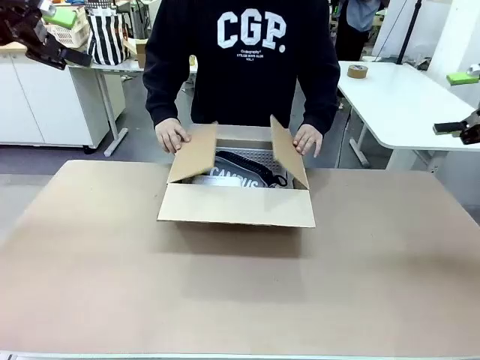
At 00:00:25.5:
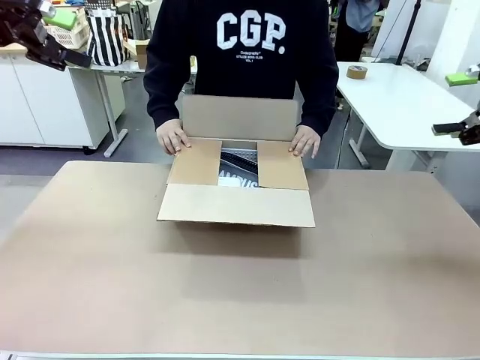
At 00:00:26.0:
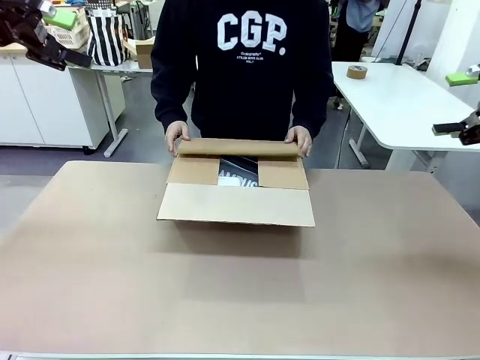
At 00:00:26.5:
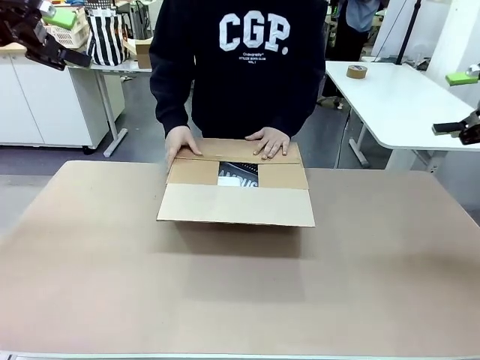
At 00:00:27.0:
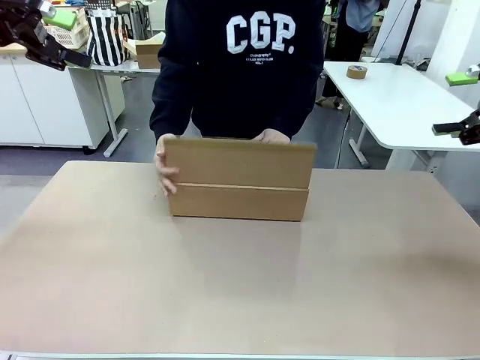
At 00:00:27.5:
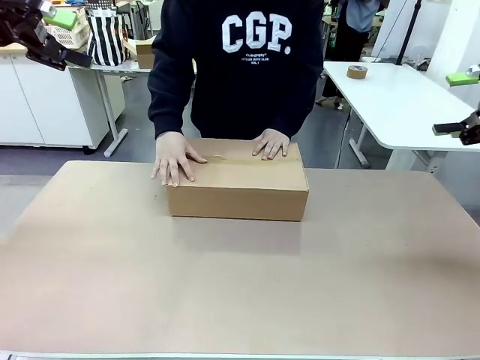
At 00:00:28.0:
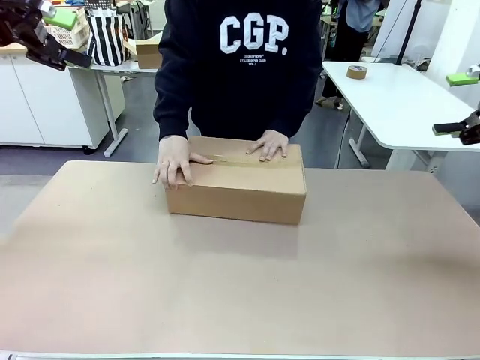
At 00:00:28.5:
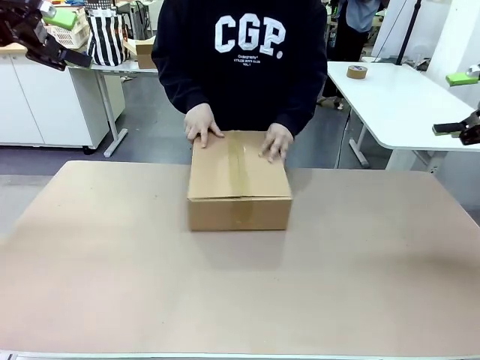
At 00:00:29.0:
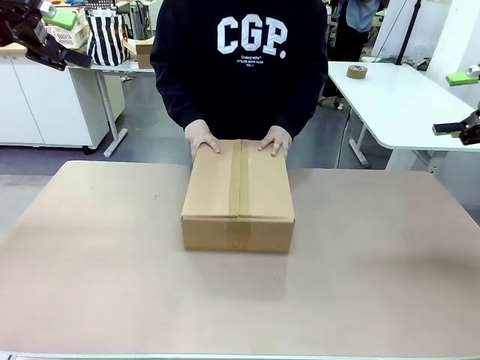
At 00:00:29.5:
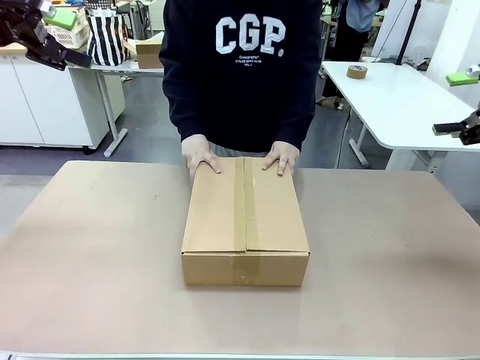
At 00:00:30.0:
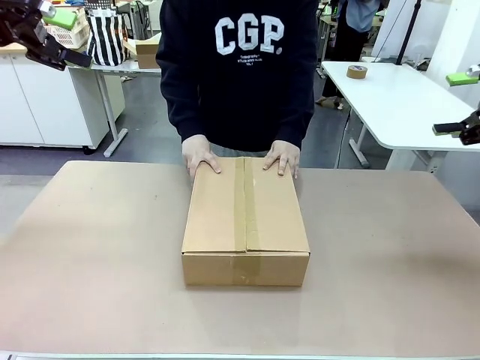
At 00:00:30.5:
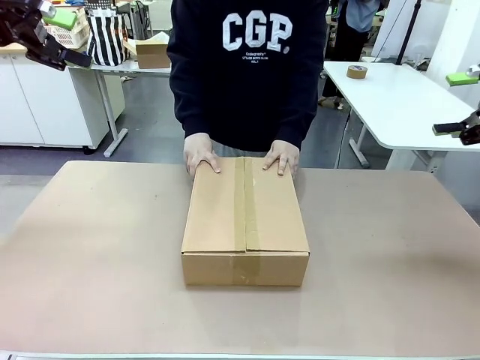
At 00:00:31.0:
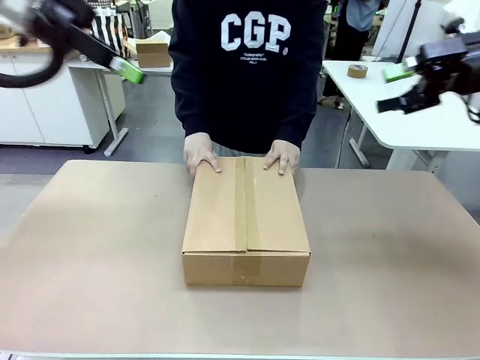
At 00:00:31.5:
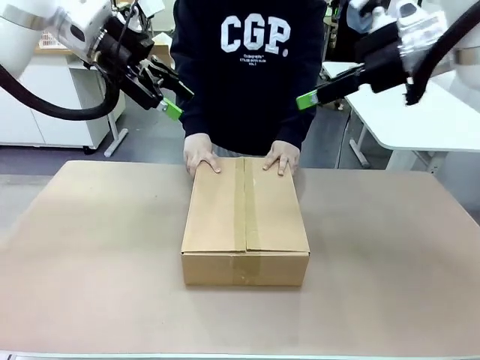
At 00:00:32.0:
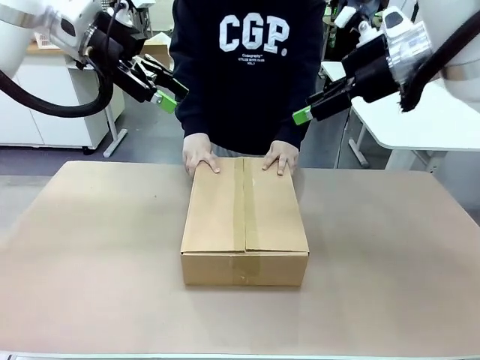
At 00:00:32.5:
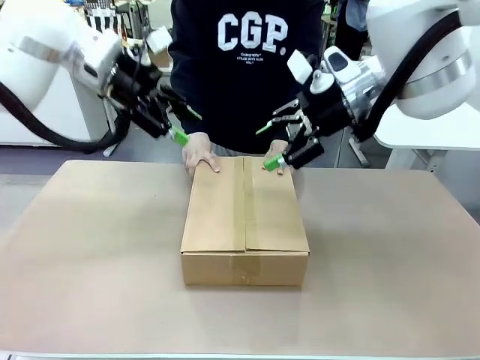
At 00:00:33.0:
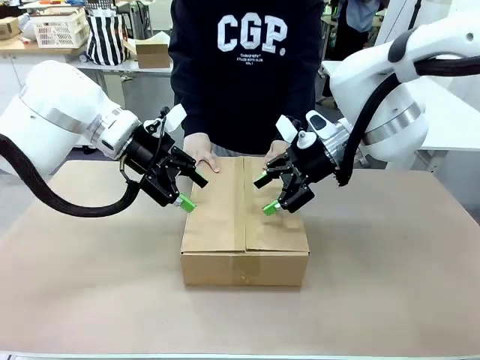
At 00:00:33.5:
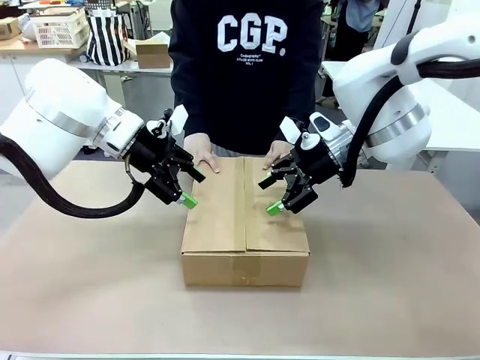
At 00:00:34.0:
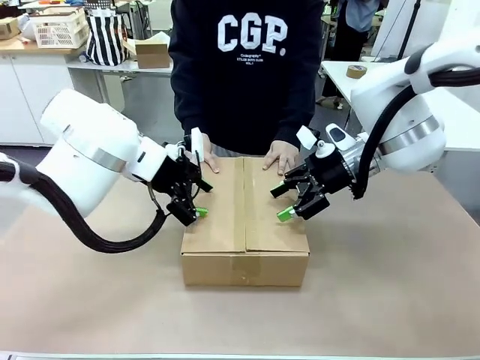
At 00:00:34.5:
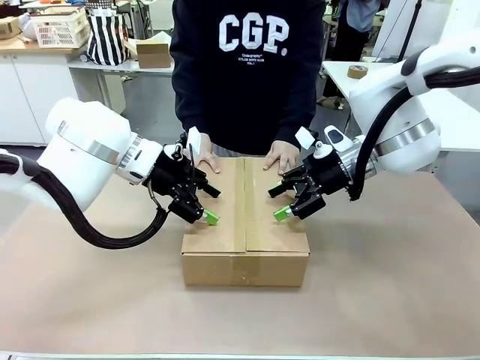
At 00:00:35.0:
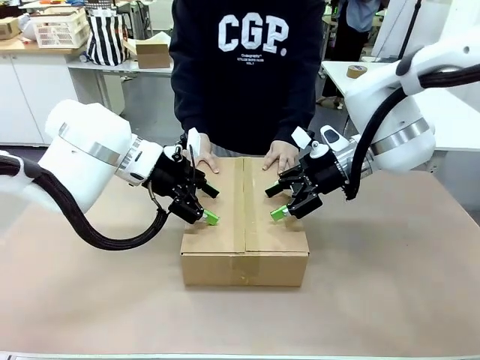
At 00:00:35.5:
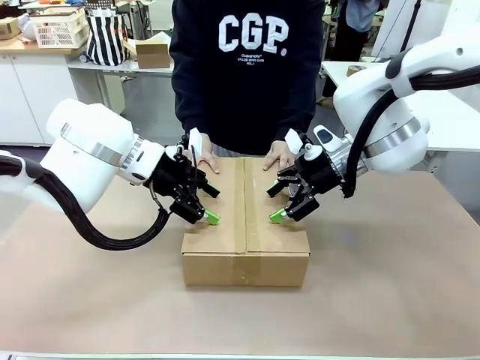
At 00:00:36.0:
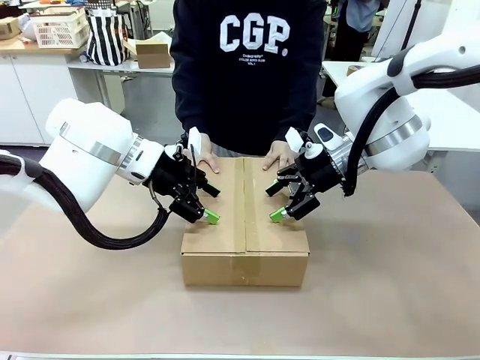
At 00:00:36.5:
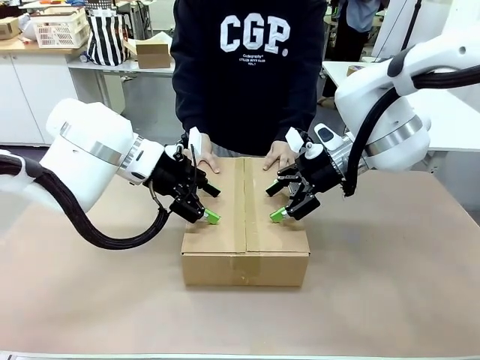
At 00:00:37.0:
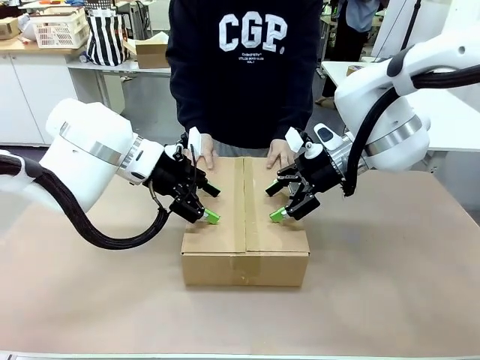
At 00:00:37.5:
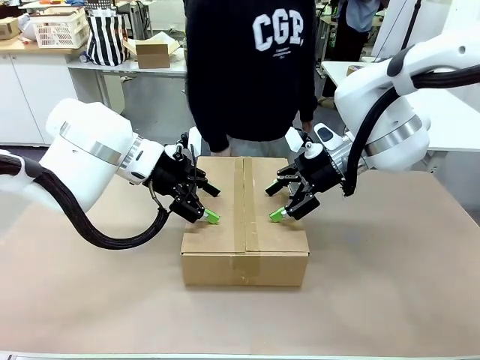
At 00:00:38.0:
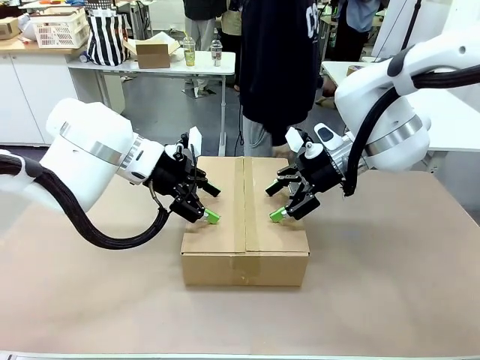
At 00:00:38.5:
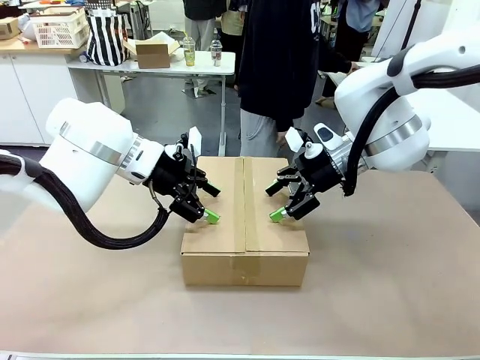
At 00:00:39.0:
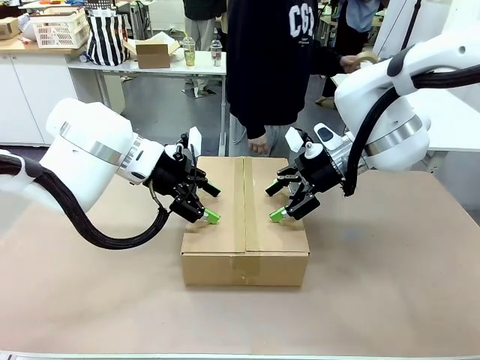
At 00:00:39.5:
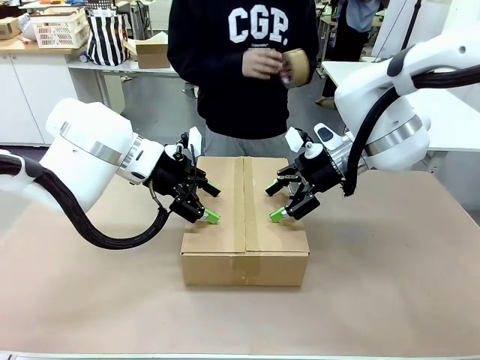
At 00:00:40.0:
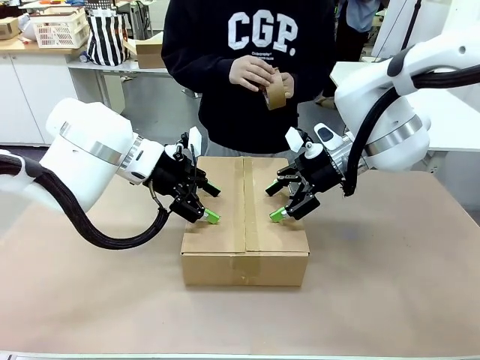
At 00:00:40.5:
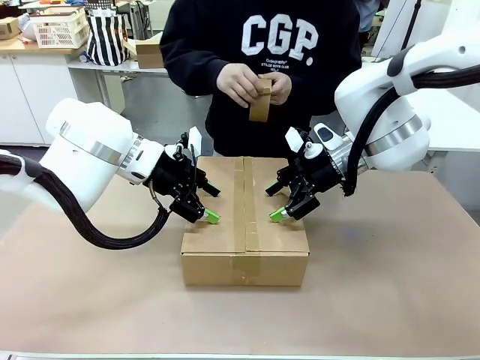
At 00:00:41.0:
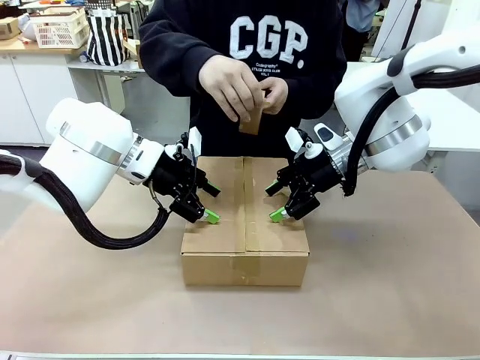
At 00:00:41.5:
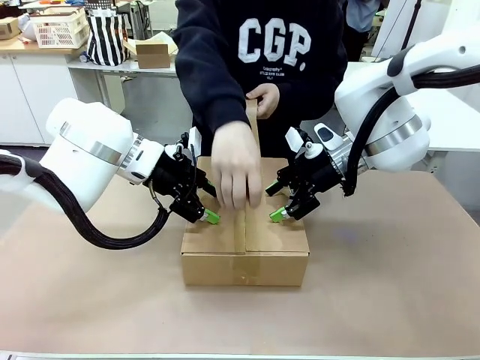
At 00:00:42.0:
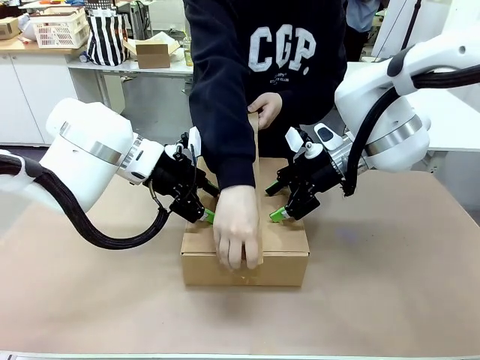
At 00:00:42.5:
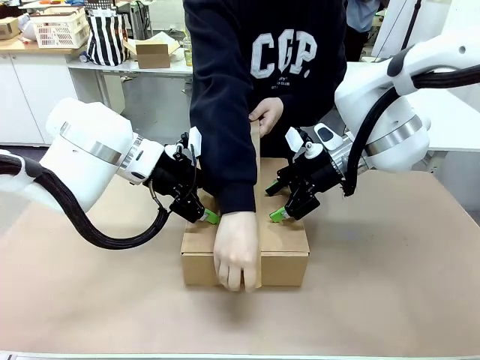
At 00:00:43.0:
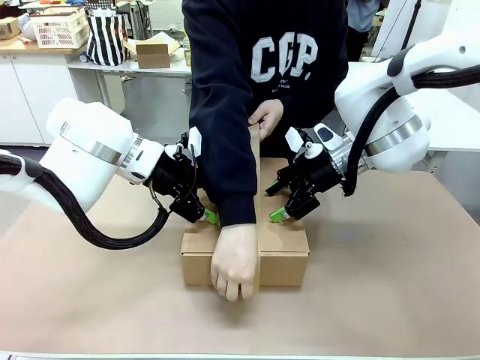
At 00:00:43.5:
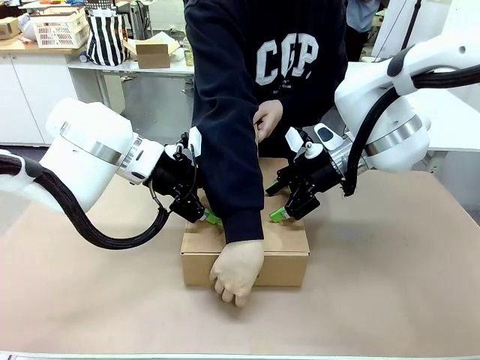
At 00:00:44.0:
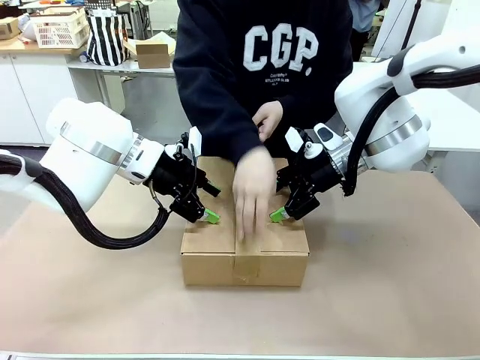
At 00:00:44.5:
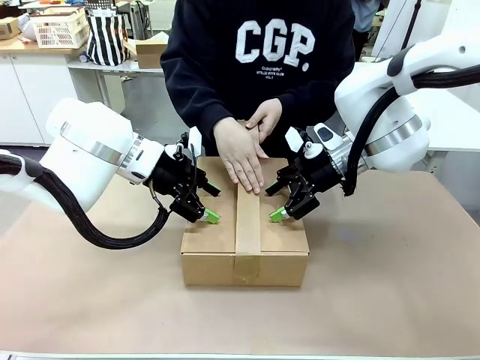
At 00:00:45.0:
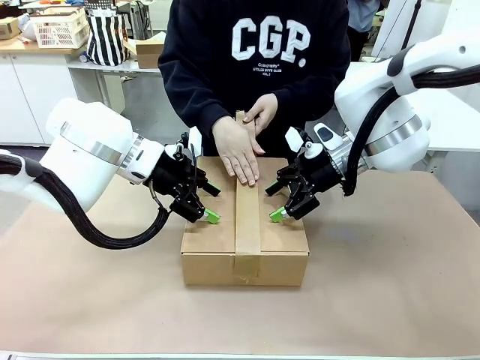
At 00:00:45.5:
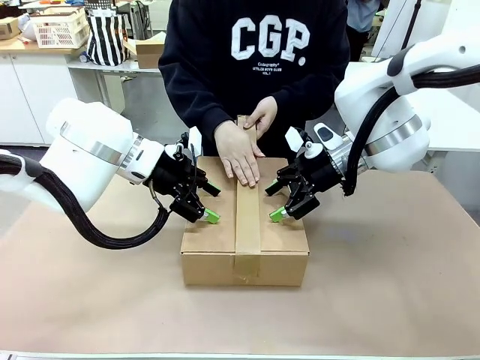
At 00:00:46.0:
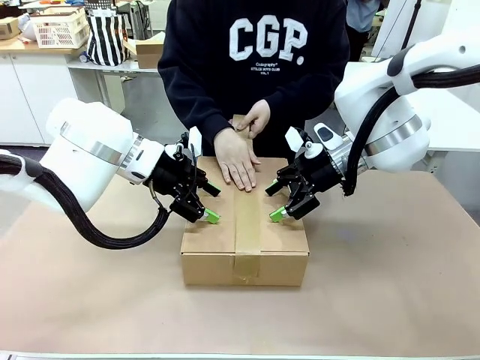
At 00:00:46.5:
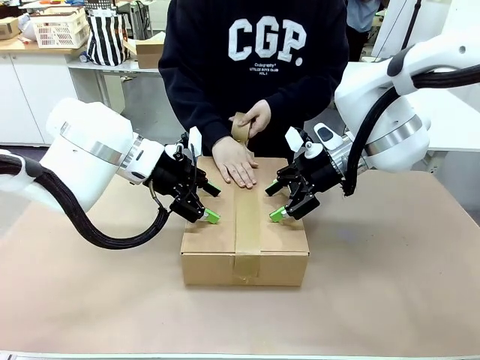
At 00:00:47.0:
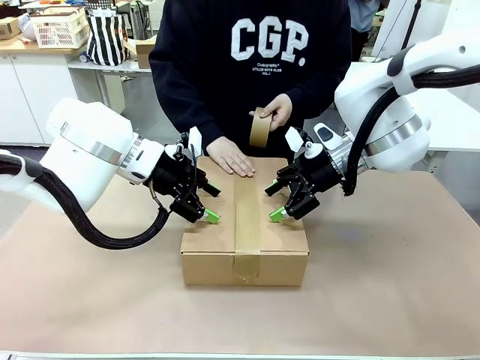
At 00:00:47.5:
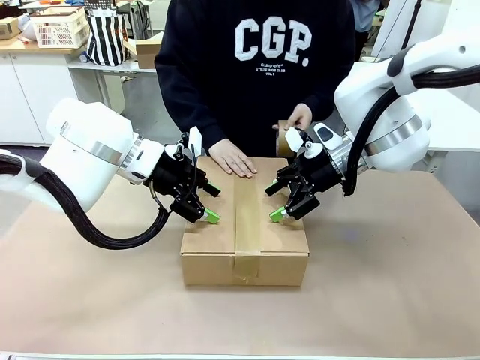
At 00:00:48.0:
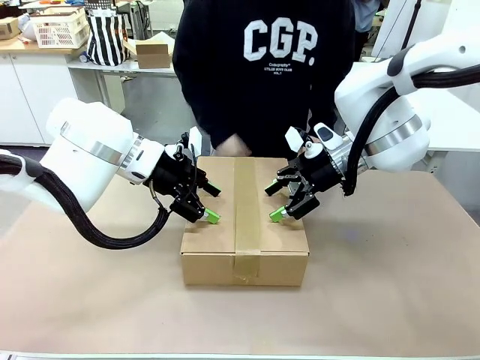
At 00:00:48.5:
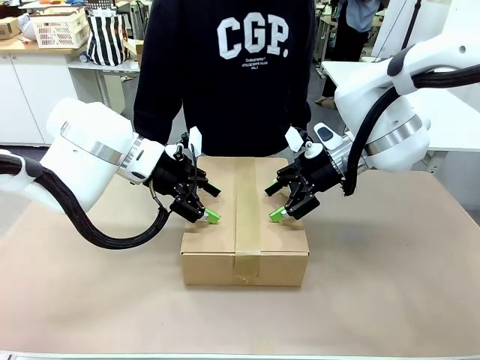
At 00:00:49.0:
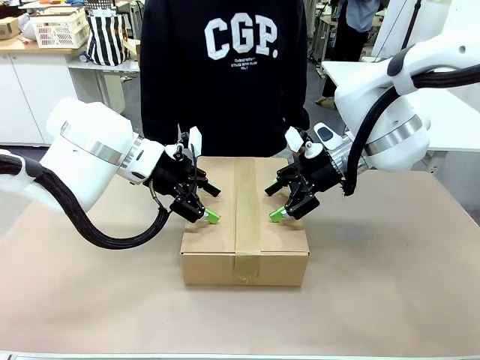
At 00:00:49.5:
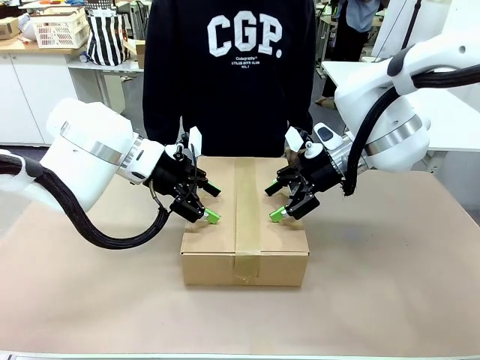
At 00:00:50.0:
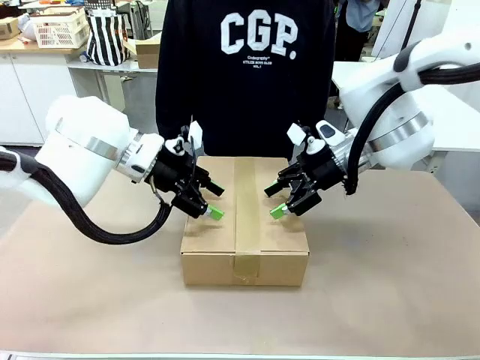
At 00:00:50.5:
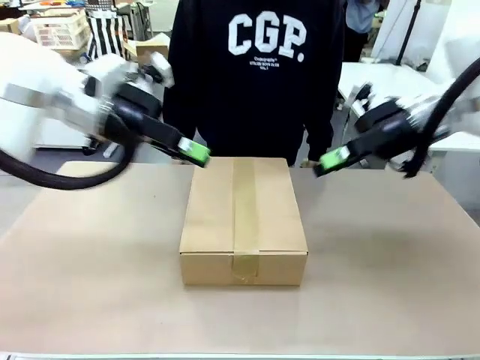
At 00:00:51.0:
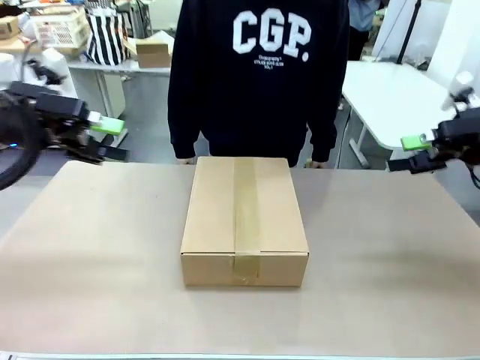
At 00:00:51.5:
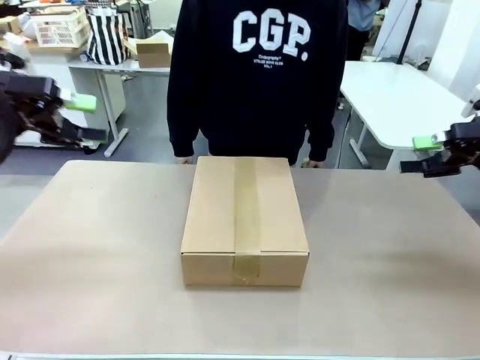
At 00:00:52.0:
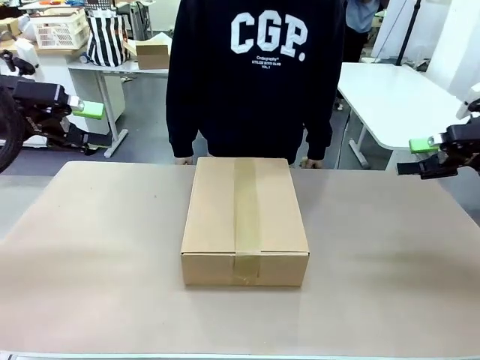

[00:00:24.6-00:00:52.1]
Task: Pack the gift set into the box.
Robot: Press and hold the closed box until the human finishes sealing it.
Person: The human closes the box and rotates the box by 90 degrees. The human picks up the paper tape from the human table and packs the box.
